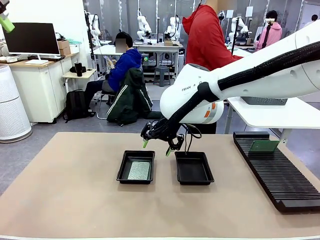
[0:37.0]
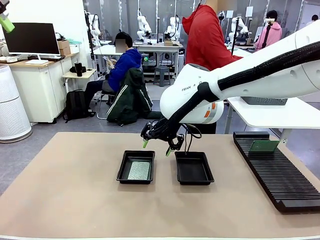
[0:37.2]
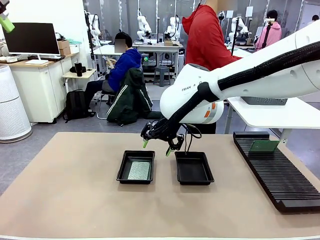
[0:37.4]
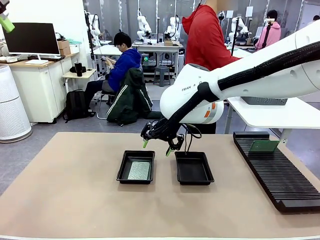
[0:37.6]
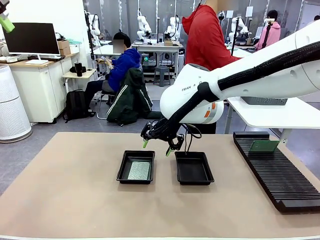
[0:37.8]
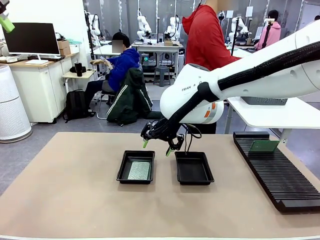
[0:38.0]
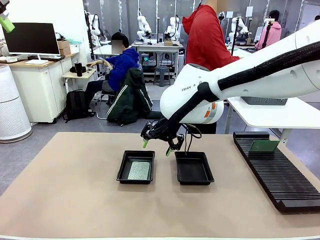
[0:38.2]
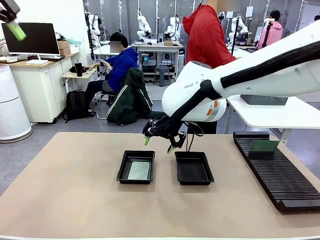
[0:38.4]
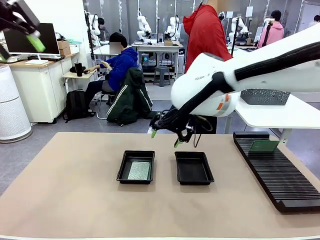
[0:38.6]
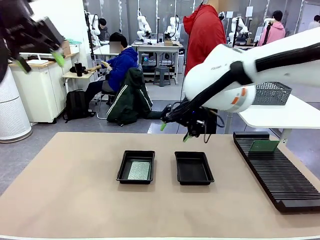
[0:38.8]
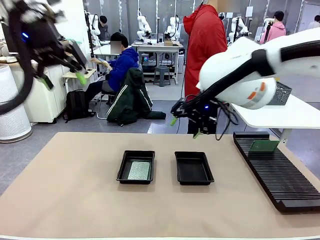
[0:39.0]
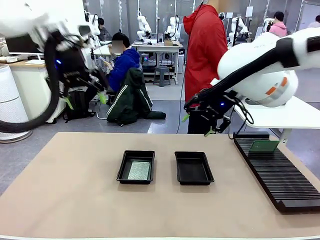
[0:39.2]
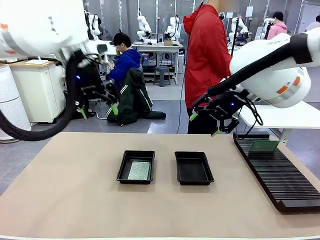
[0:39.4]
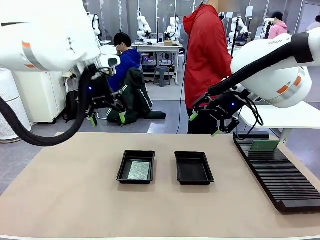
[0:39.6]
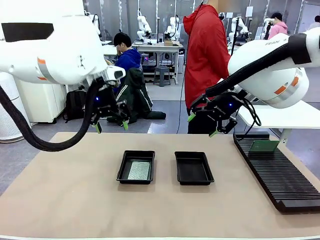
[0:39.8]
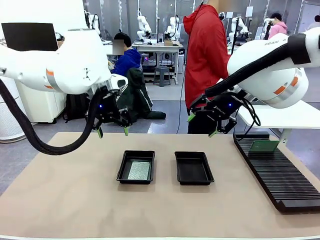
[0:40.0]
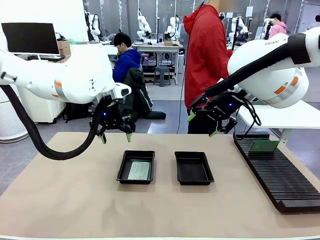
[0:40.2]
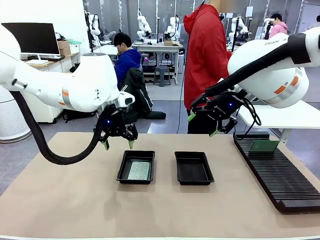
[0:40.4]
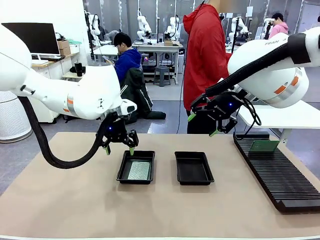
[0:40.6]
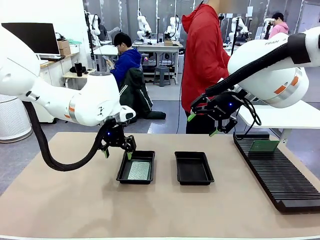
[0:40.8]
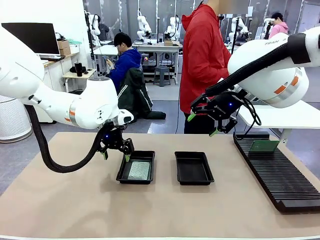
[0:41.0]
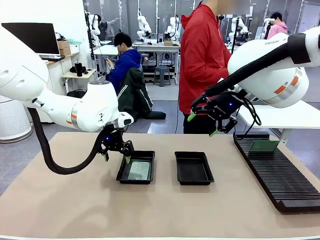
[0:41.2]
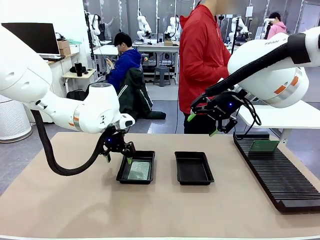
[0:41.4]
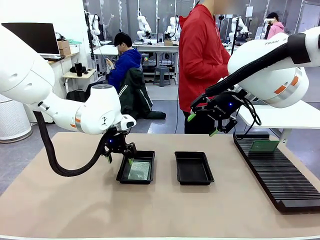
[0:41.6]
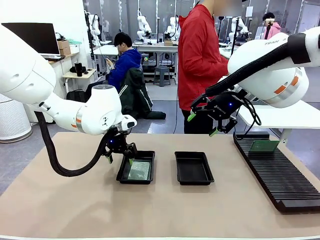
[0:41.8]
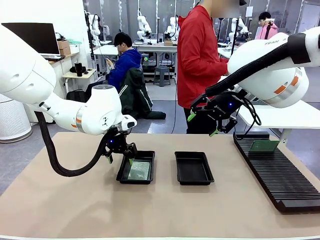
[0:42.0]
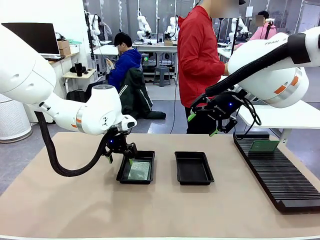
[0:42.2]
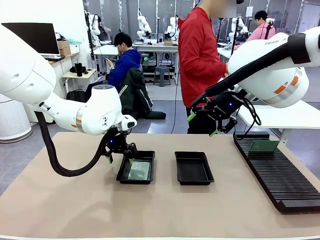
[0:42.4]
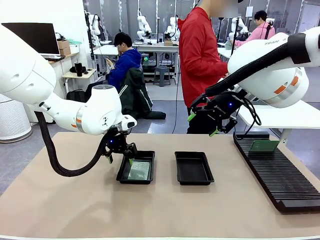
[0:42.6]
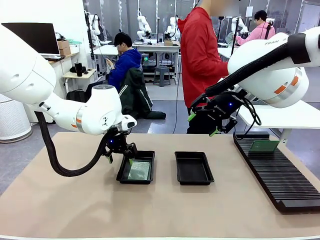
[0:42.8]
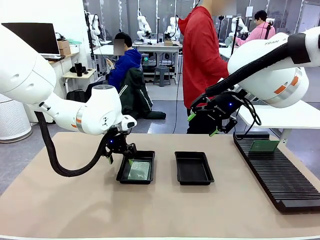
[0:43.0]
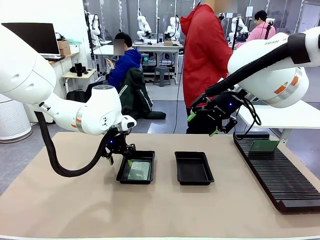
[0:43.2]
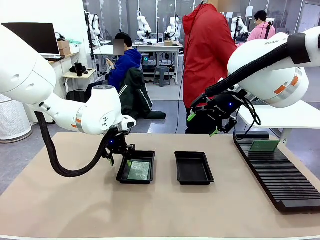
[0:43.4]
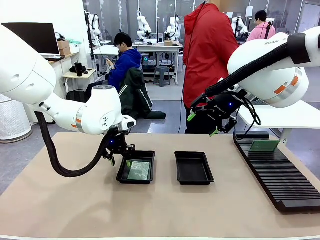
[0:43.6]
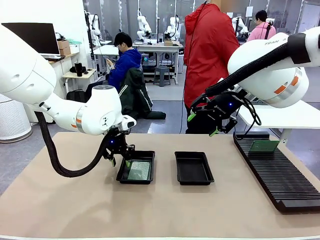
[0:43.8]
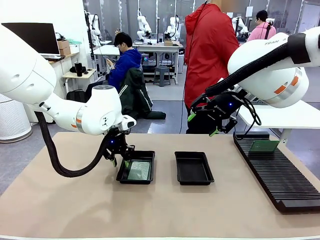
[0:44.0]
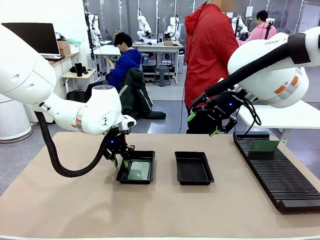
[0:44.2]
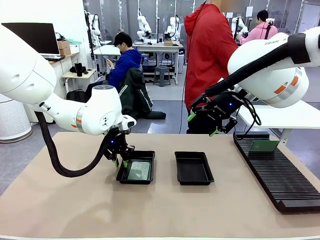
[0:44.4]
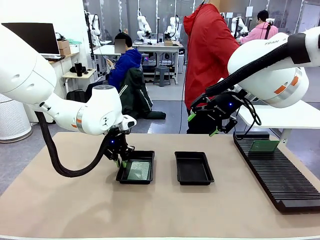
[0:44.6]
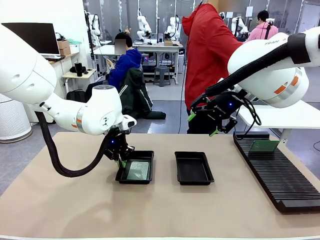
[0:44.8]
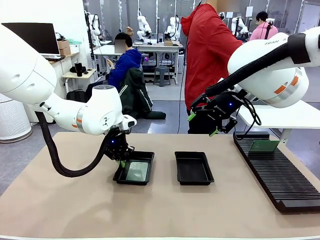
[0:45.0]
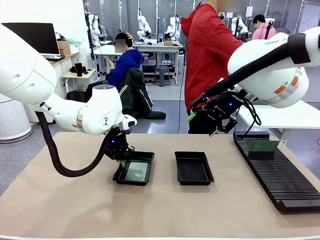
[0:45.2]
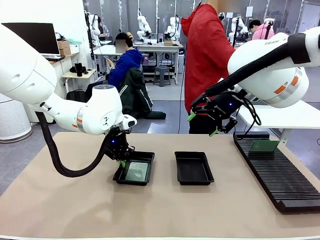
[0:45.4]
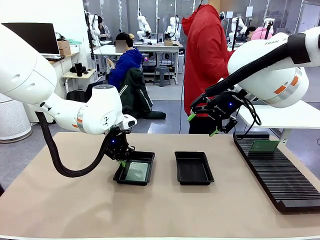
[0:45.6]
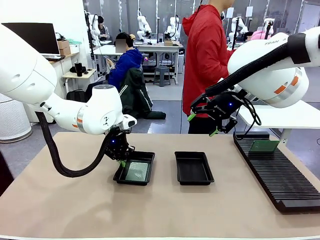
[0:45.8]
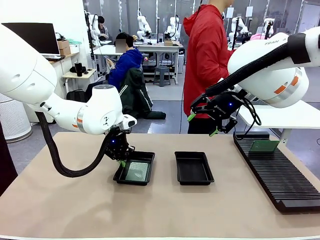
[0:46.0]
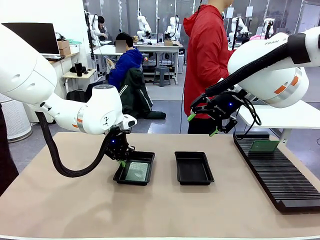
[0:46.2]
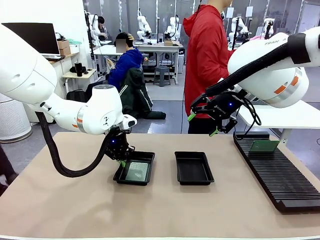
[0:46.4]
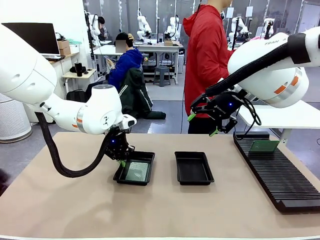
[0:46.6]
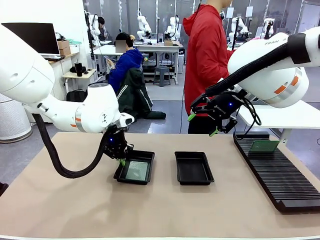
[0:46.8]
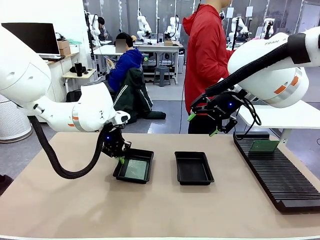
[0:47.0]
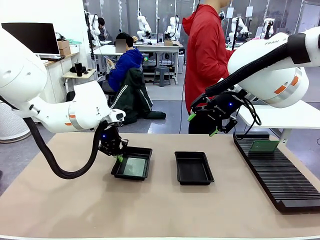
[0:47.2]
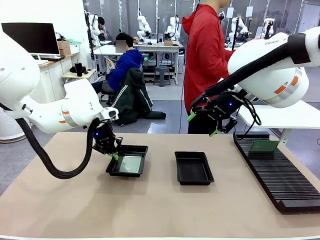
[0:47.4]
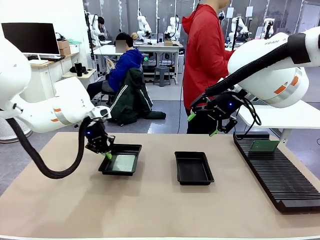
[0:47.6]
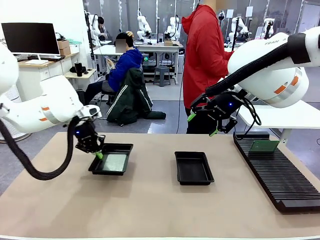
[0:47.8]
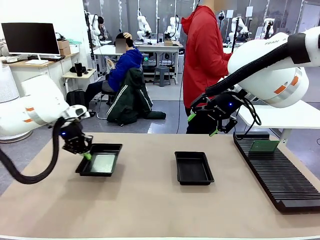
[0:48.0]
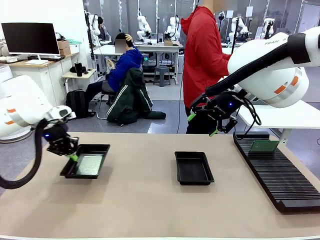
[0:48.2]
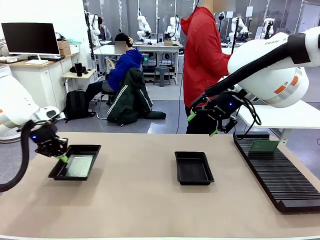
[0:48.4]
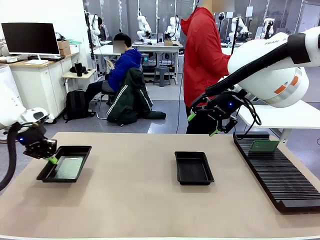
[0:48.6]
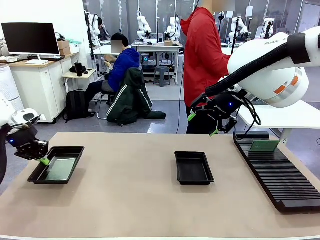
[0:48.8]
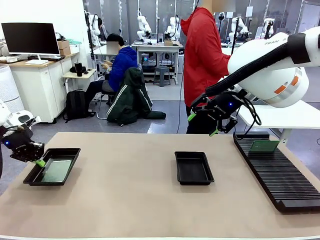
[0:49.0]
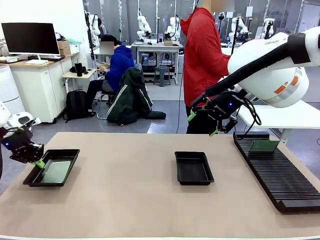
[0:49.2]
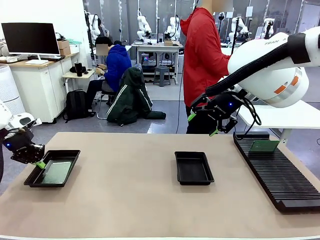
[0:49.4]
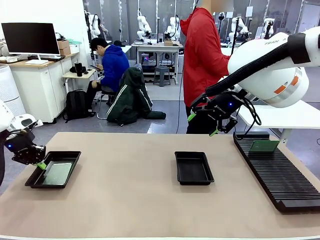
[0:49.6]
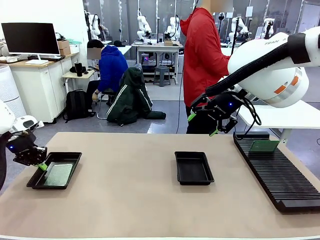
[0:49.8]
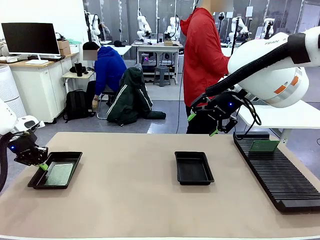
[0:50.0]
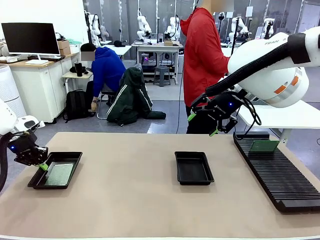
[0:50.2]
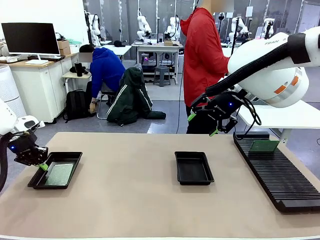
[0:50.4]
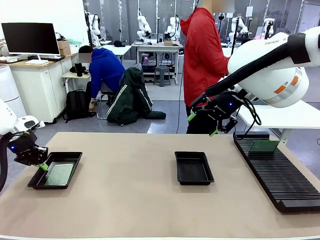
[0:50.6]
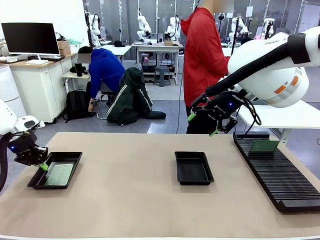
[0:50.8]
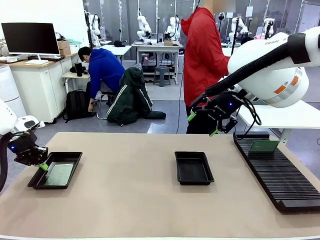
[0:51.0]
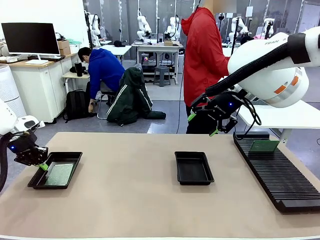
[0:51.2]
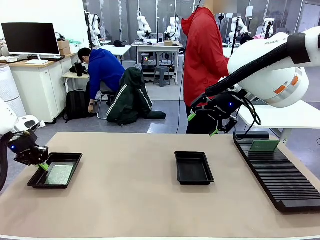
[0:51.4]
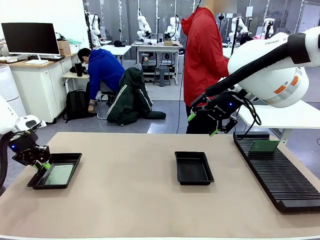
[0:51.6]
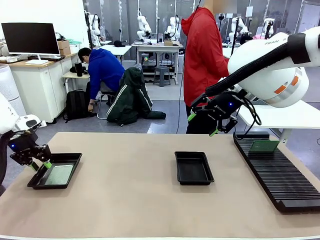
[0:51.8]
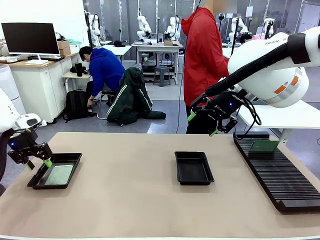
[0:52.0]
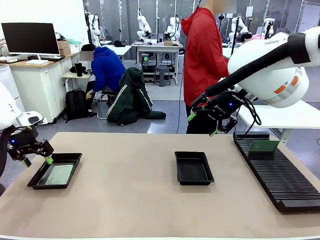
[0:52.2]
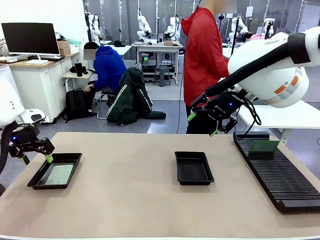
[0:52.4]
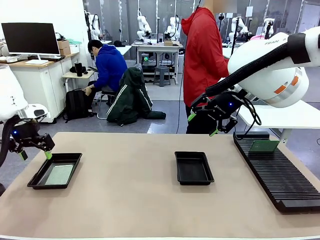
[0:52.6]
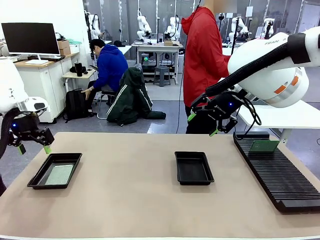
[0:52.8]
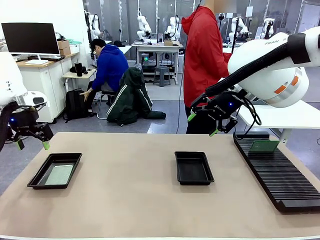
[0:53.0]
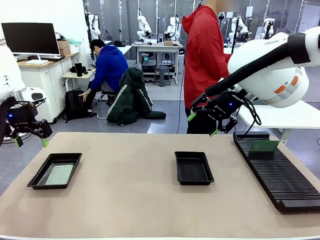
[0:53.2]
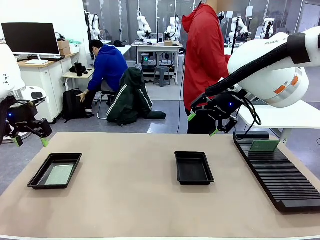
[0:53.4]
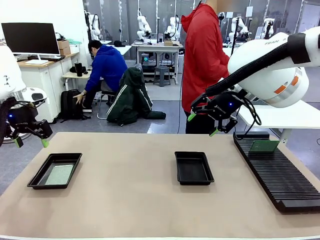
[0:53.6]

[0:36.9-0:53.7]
Task: Inspect and transfer BCBs to ESD trays.
Robot: Pick up the ESD tray and place it on the left side of the table.
